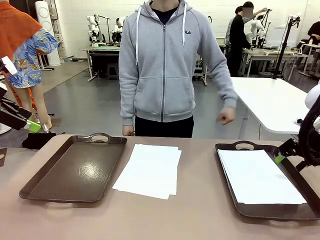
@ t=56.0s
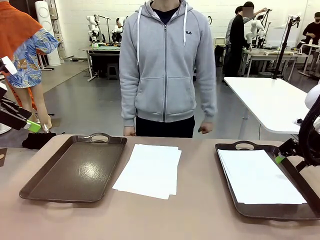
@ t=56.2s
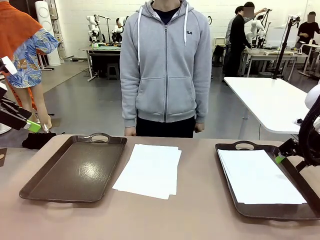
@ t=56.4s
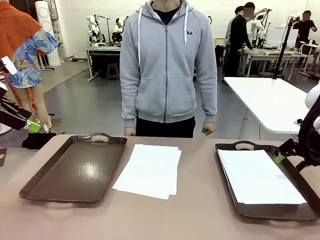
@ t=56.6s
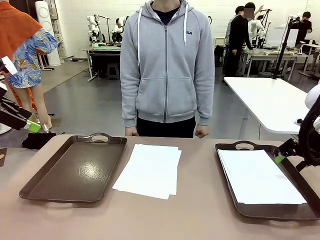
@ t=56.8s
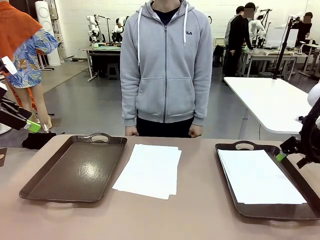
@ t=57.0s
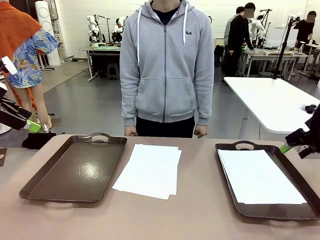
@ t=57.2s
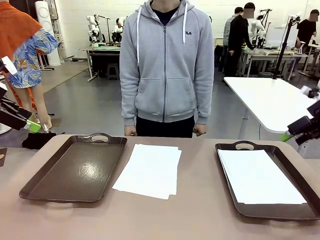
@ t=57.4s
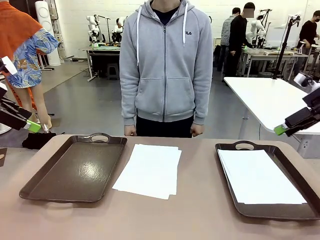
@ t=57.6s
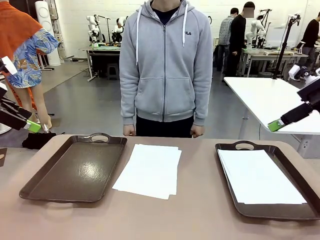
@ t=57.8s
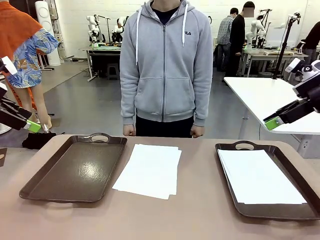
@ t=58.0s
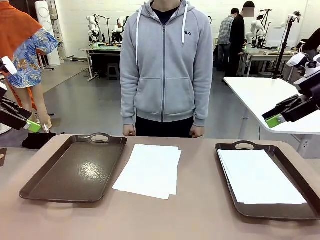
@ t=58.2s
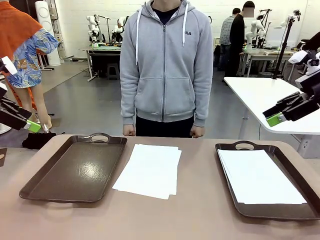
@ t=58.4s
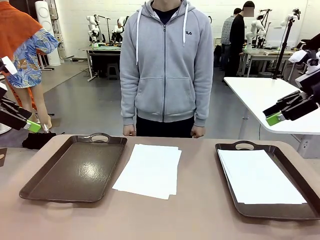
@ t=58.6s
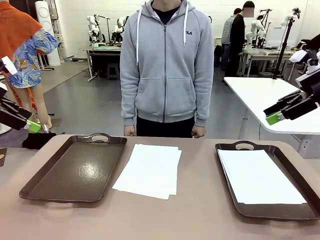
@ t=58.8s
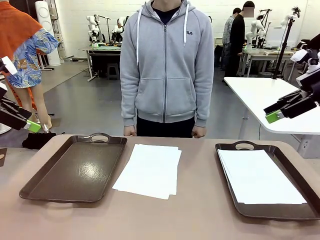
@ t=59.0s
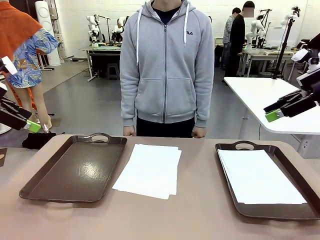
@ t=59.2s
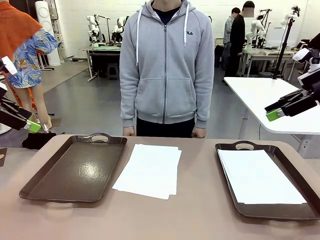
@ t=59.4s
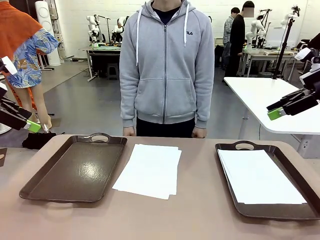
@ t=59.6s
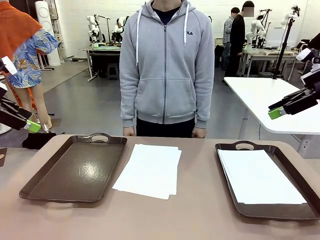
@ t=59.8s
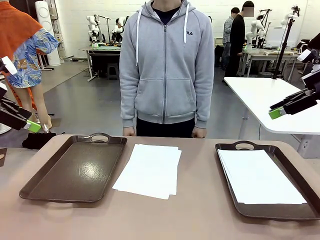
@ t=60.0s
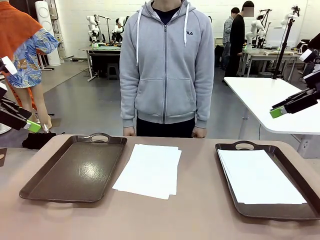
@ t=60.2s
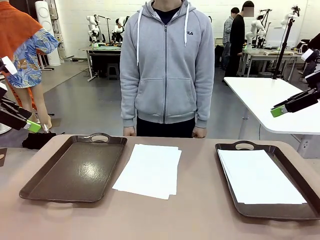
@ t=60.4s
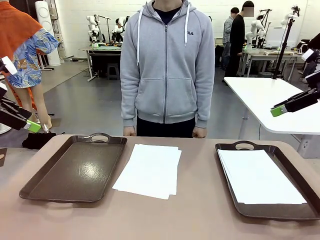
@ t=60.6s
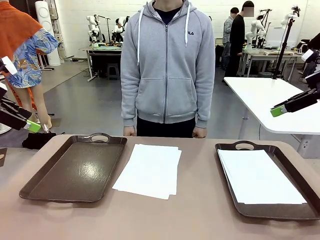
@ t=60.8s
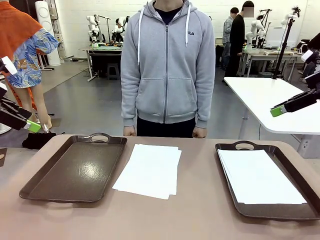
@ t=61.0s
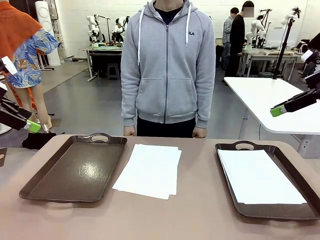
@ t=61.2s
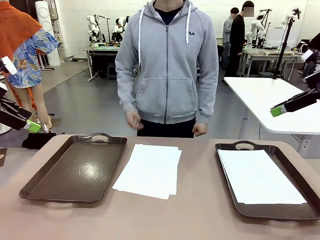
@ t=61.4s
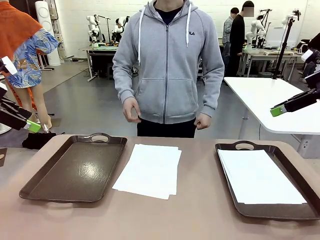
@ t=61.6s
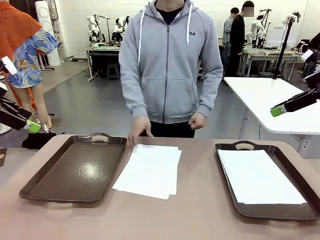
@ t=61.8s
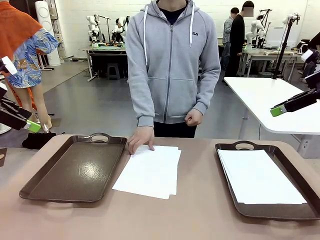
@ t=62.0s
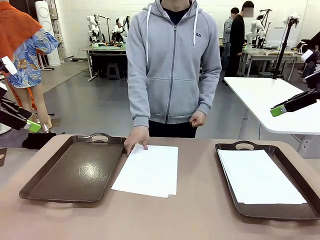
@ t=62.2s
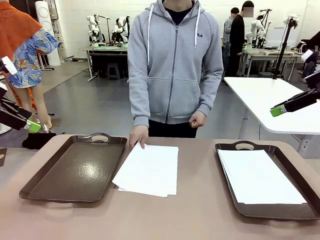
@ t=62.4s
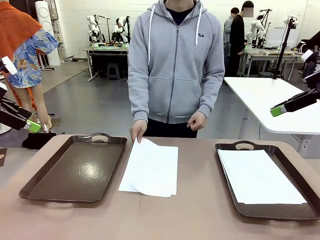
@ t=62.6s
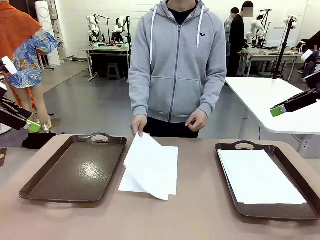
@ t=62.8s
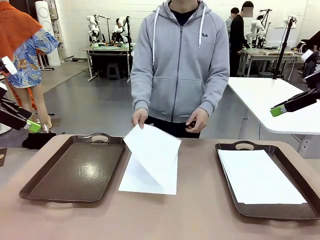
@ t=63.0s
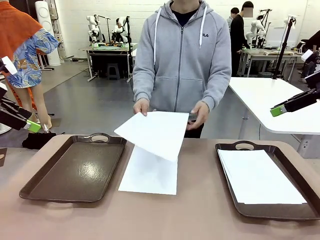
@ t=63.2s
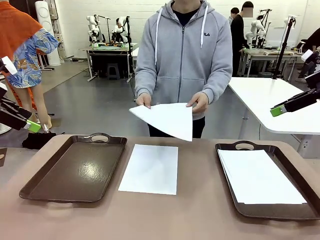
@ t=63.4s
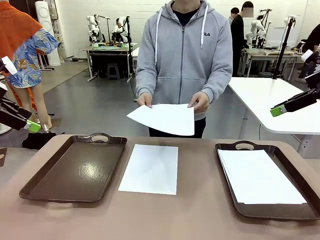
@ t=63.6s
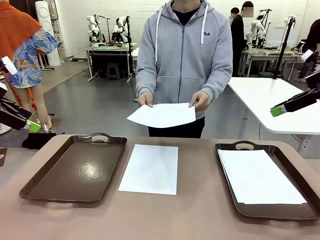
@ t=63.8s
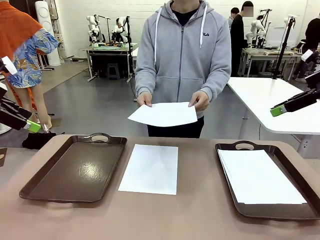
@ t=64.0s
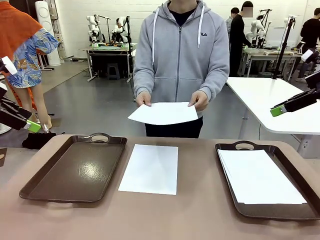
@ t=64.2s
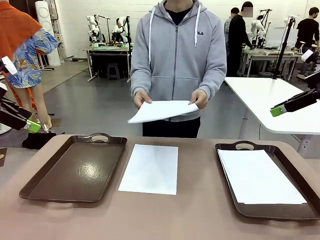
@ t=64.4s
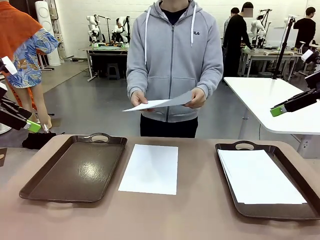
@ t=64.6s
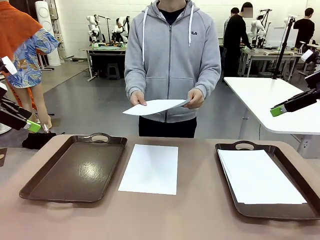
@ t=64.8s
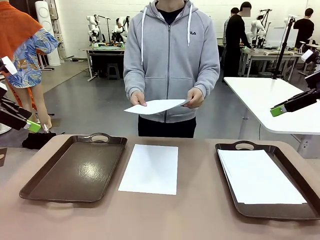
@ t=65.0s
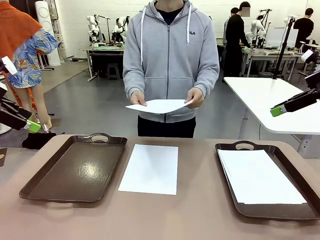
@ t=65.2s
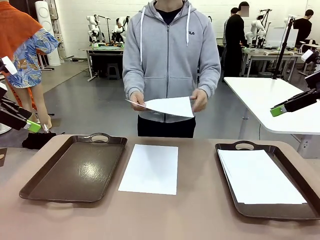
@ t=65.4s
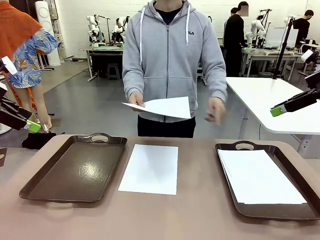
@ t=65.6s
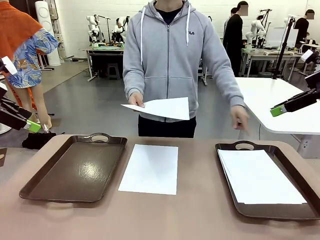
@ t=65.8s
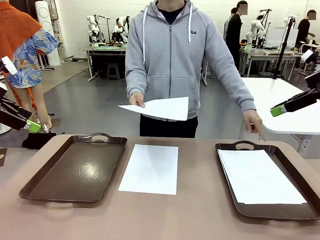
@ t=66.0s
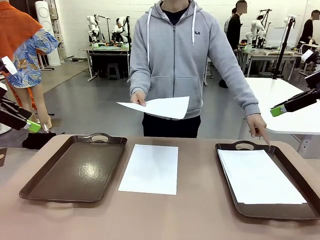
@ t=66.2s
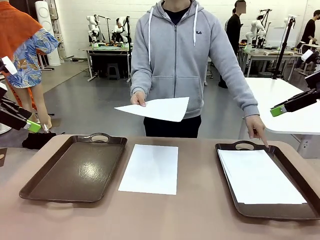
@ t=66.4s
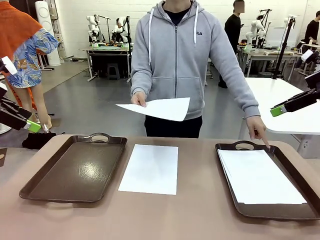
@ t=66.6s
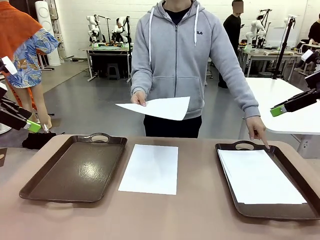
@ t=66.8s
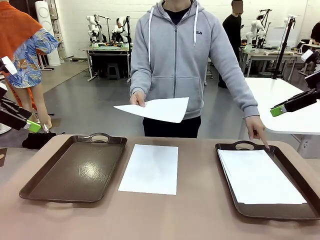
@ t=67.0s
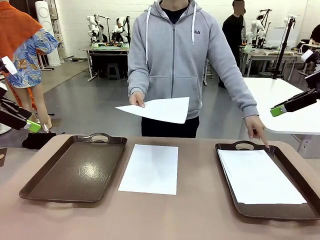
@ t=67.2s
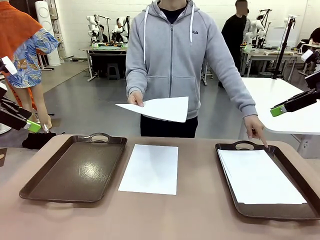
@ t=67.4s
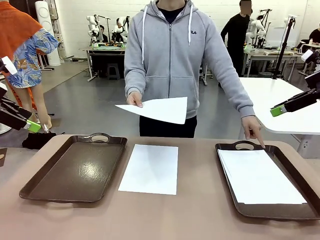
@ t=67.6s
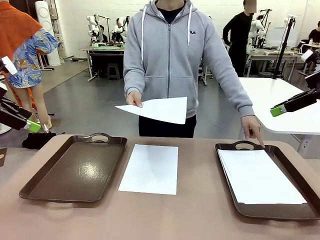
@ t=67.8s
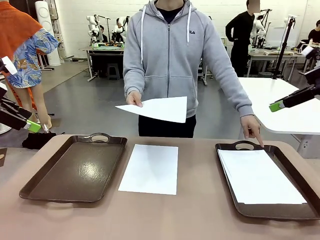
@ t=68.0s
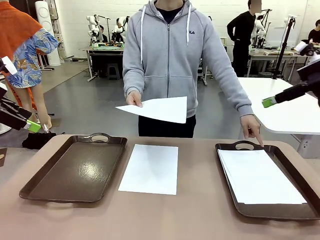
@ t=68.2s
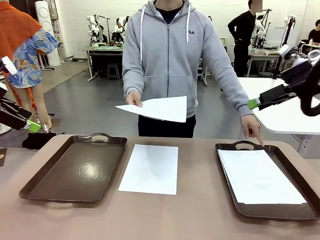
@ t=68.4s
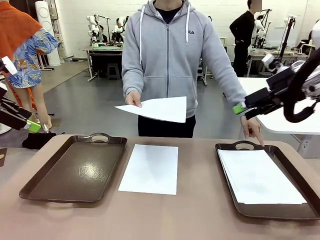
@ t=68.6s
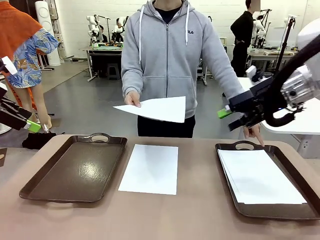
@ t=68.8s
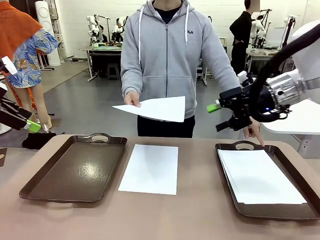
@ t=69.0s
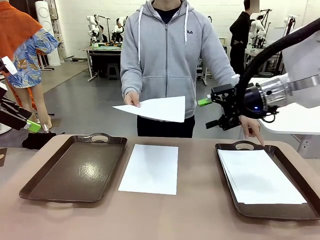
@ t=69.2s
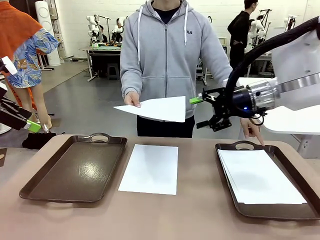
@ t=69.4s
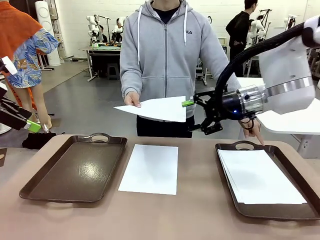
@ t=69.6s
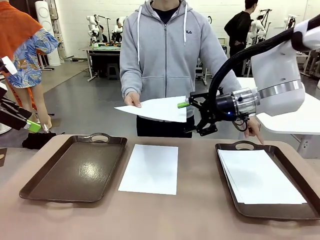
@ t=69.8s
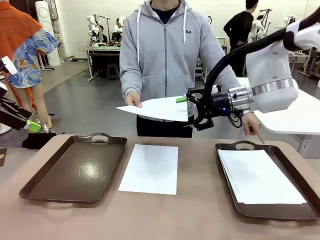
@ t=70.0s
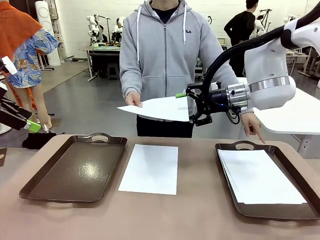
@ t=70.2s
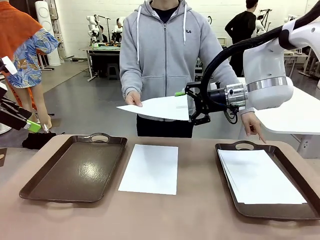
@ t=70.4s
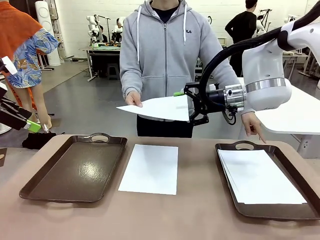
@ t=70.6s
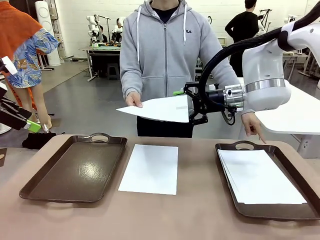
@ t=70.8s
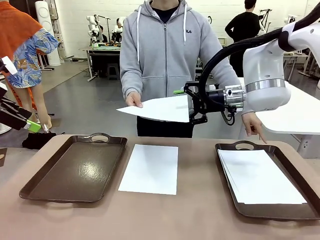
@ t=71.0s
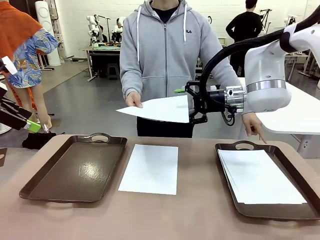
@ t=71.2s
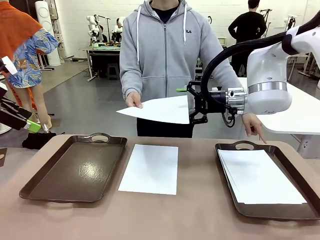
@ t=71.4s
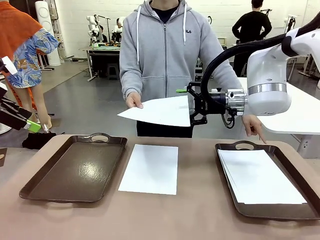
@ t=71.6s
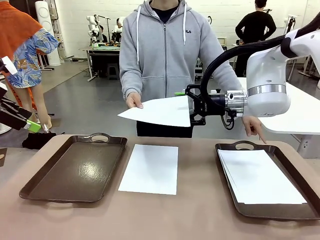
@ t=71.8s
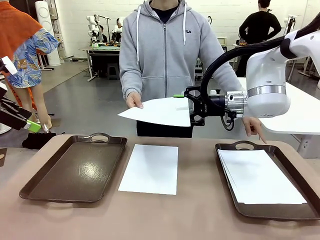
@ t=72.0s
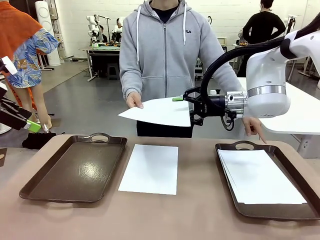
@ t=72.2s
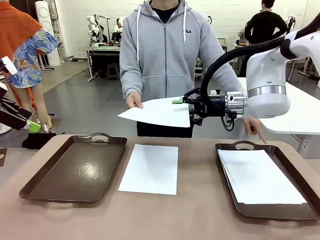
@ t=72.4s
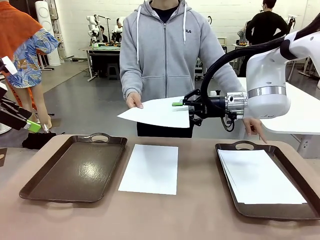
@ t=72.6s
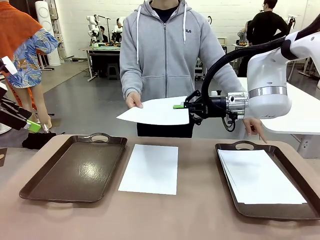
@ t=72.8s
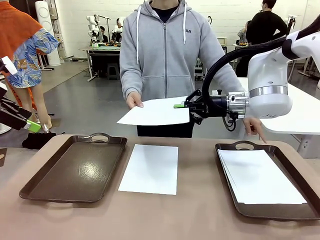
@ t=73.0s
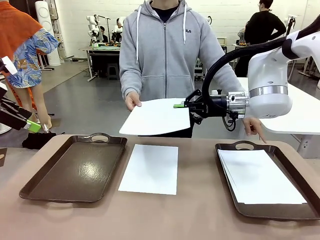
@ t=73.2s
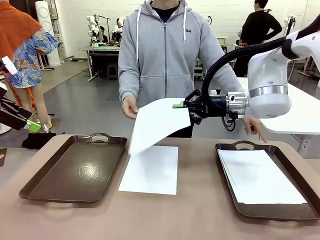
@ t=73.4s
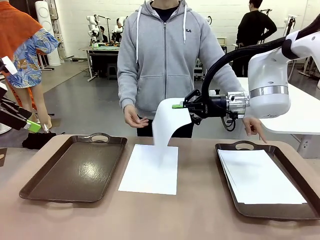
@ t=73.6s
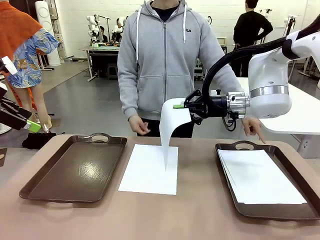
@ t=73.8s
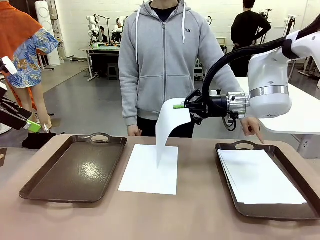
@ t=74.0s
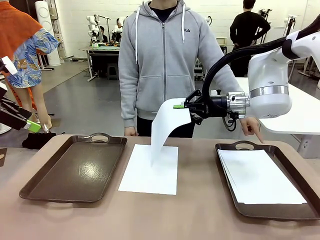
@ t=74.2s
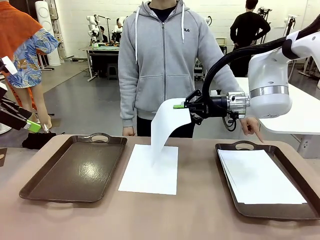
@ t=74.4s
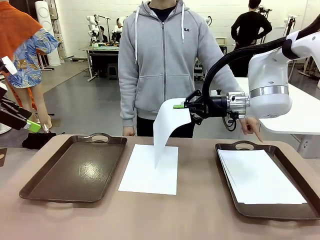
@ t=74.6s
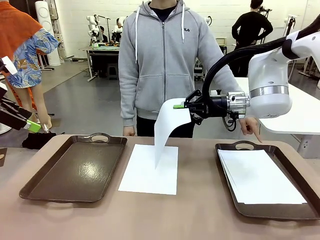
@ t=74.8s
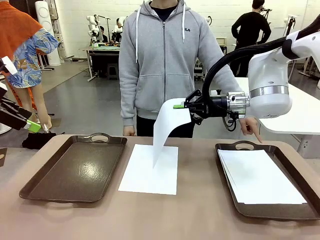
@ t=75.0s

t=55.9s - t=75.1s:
Task: Sort the A4 documents.
Robot: Receive the A4 Paper.
Person: Point the randomly selected tray with the other hand.
